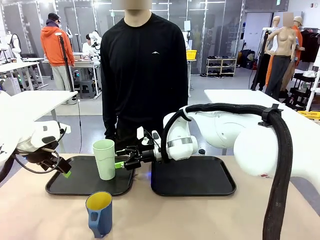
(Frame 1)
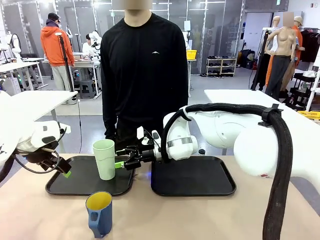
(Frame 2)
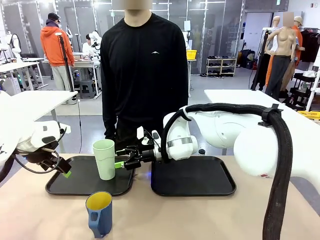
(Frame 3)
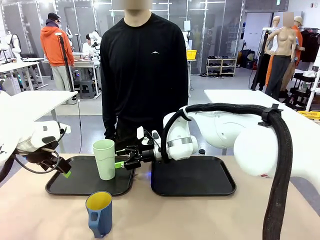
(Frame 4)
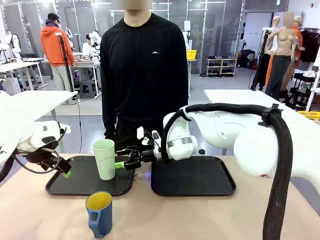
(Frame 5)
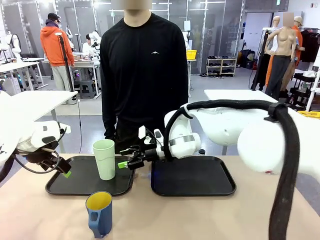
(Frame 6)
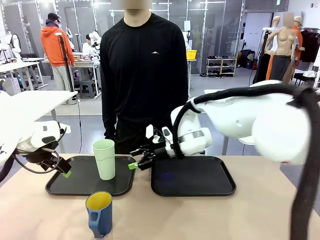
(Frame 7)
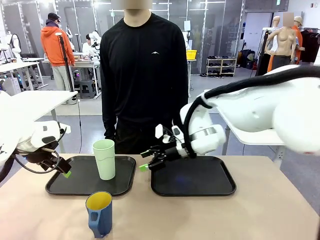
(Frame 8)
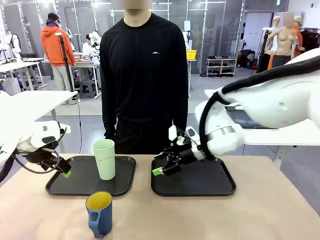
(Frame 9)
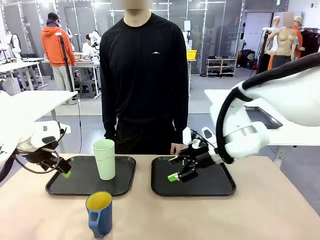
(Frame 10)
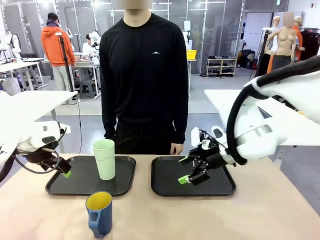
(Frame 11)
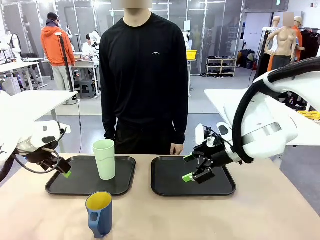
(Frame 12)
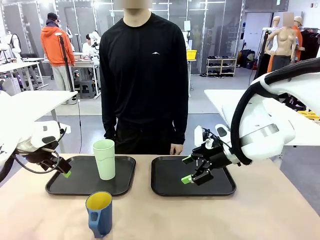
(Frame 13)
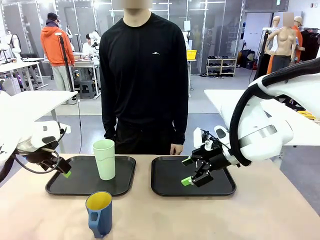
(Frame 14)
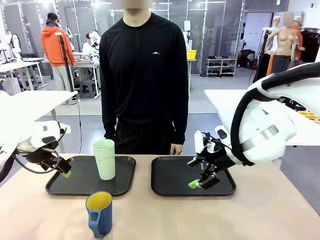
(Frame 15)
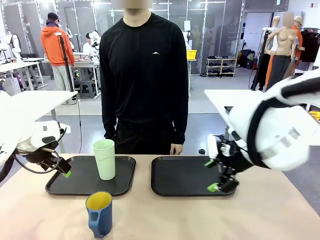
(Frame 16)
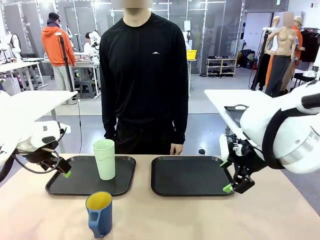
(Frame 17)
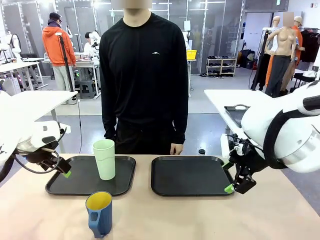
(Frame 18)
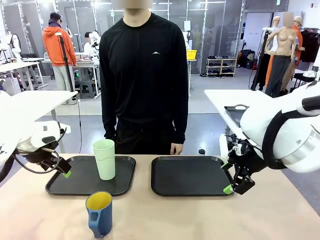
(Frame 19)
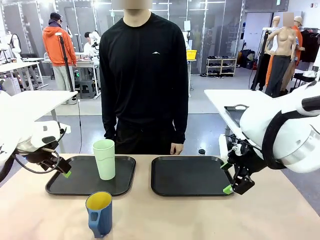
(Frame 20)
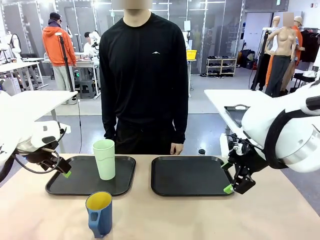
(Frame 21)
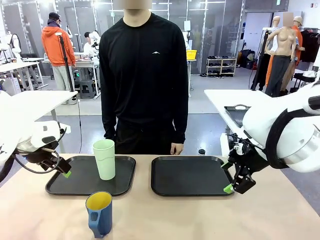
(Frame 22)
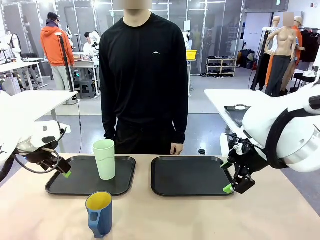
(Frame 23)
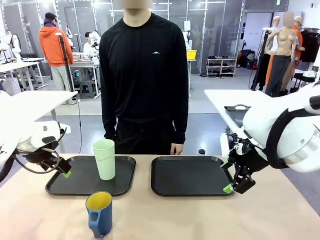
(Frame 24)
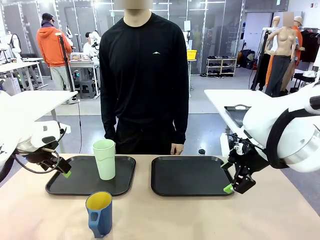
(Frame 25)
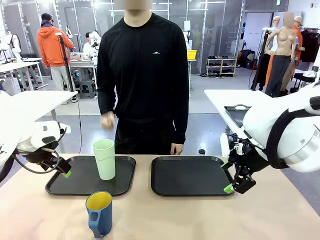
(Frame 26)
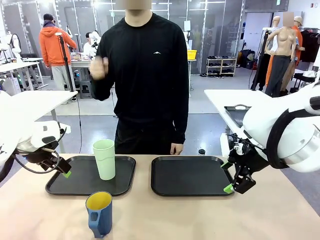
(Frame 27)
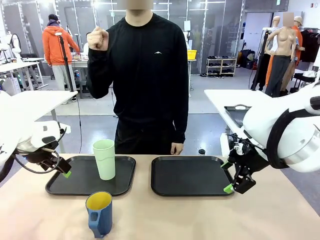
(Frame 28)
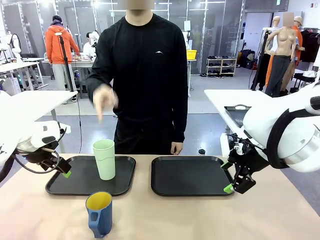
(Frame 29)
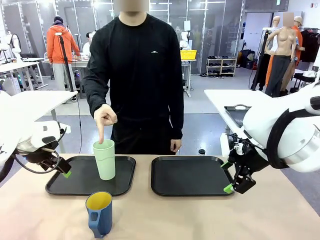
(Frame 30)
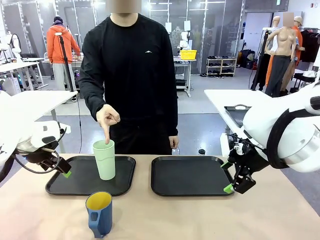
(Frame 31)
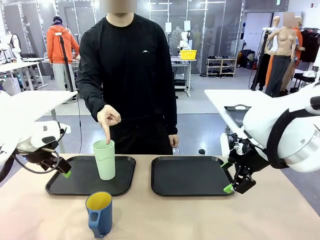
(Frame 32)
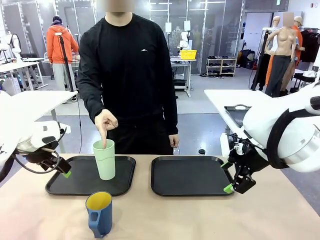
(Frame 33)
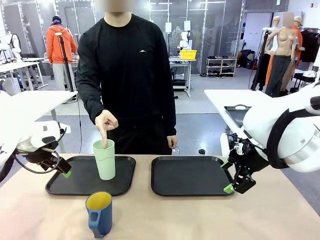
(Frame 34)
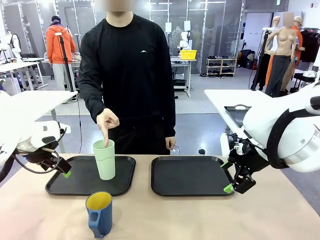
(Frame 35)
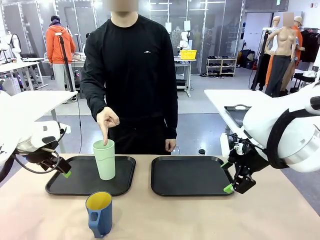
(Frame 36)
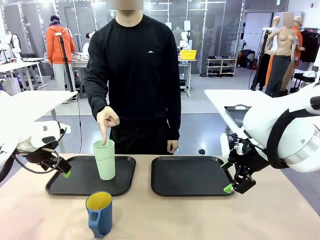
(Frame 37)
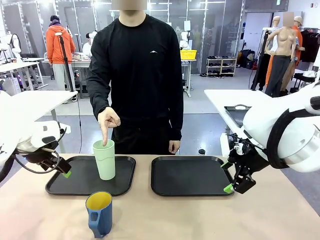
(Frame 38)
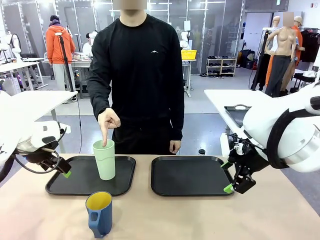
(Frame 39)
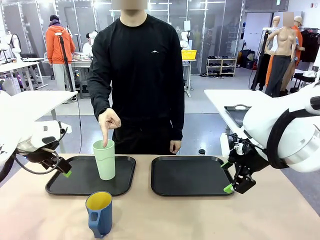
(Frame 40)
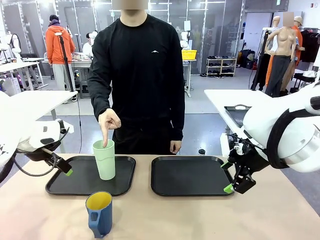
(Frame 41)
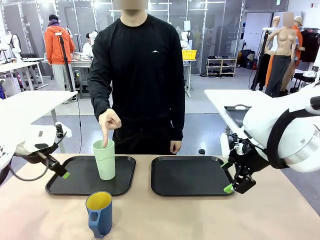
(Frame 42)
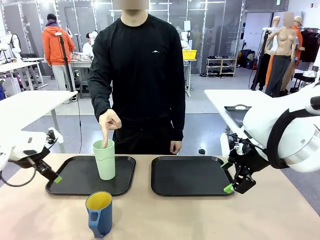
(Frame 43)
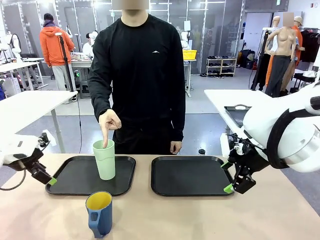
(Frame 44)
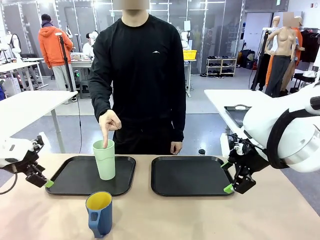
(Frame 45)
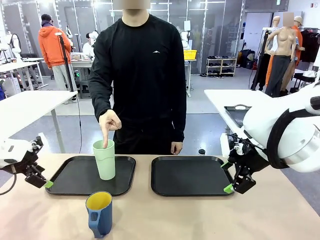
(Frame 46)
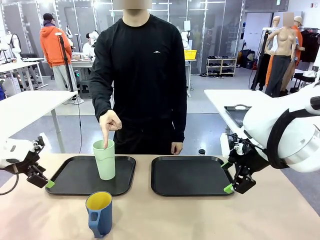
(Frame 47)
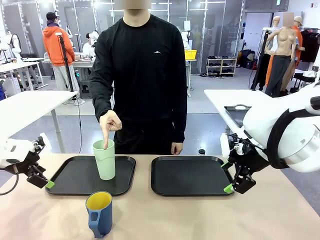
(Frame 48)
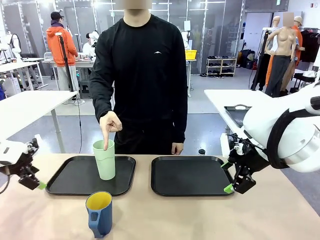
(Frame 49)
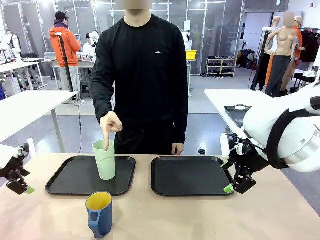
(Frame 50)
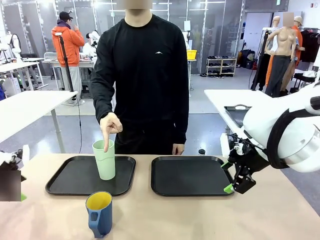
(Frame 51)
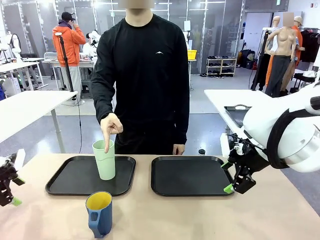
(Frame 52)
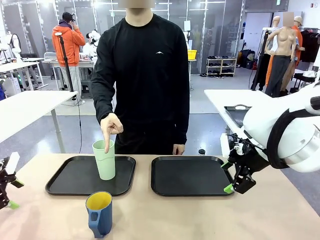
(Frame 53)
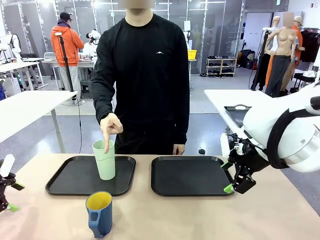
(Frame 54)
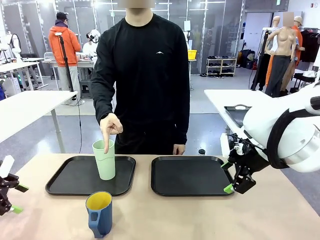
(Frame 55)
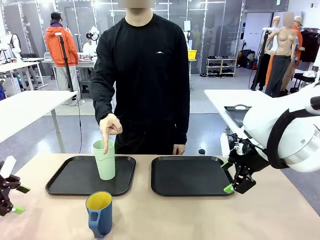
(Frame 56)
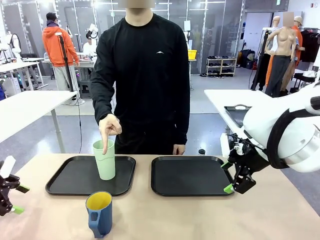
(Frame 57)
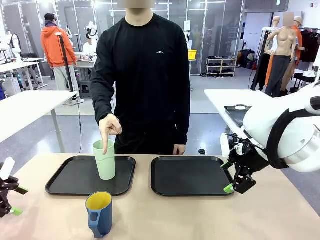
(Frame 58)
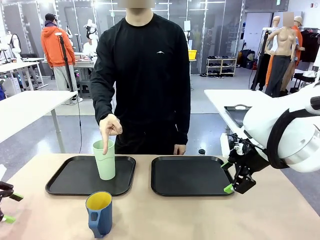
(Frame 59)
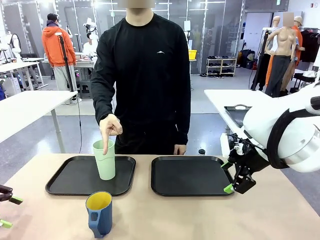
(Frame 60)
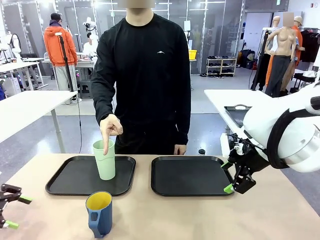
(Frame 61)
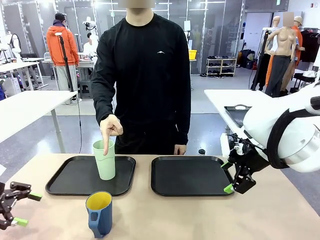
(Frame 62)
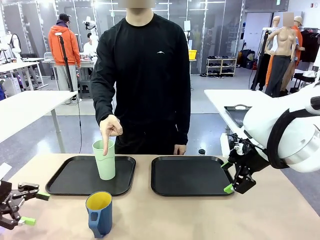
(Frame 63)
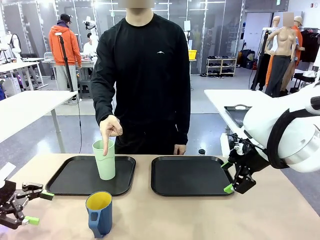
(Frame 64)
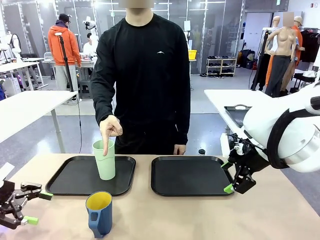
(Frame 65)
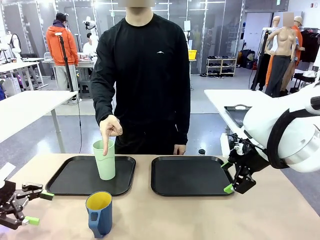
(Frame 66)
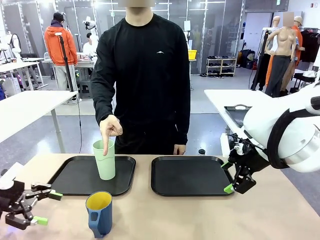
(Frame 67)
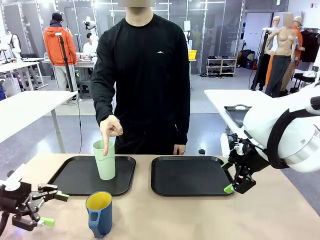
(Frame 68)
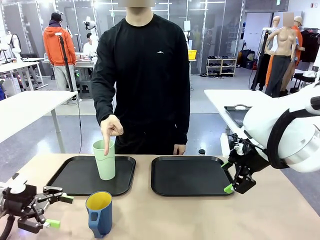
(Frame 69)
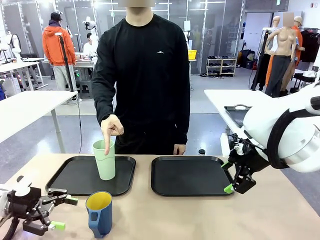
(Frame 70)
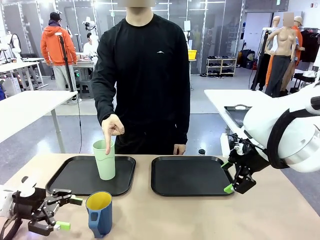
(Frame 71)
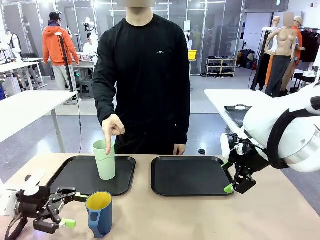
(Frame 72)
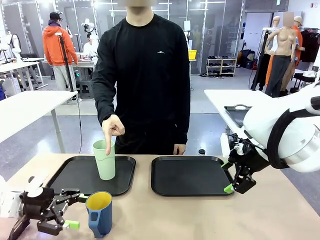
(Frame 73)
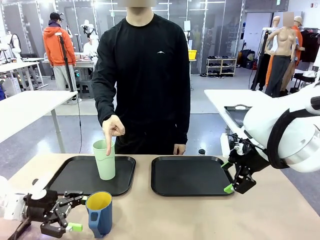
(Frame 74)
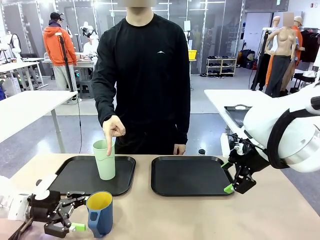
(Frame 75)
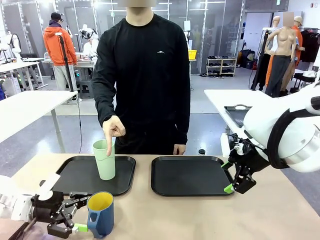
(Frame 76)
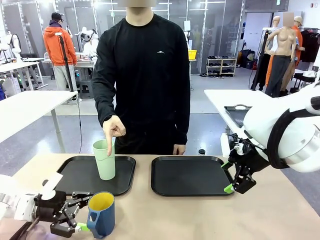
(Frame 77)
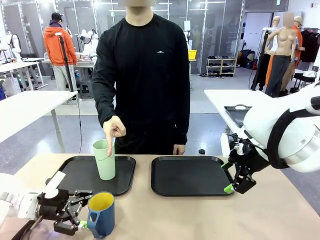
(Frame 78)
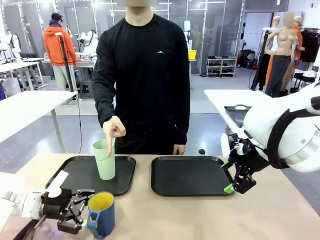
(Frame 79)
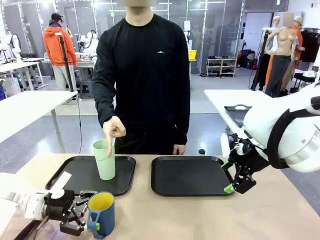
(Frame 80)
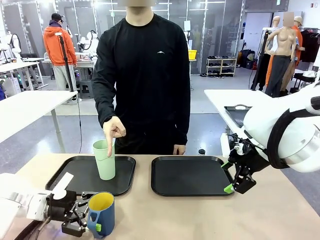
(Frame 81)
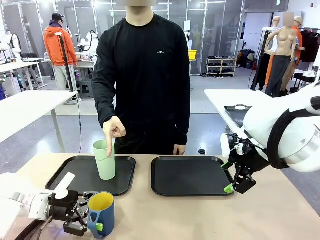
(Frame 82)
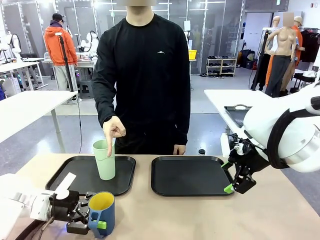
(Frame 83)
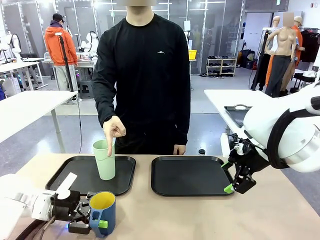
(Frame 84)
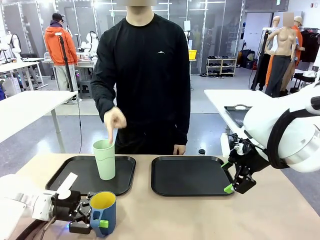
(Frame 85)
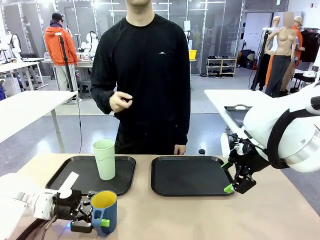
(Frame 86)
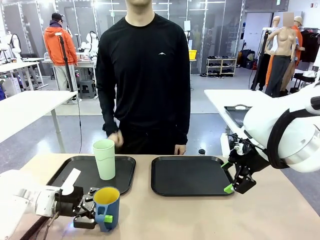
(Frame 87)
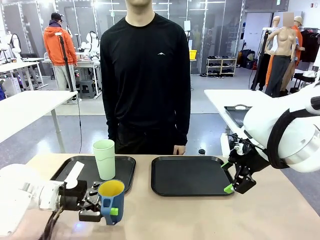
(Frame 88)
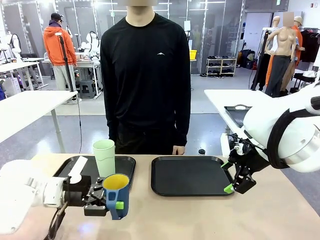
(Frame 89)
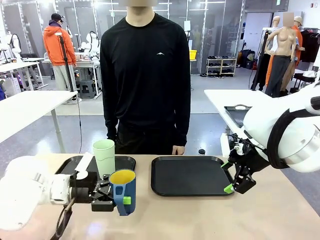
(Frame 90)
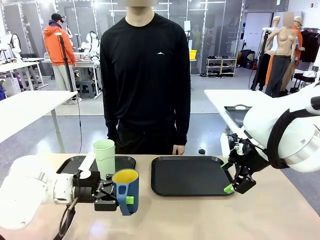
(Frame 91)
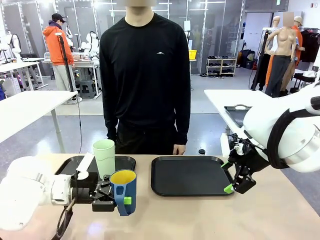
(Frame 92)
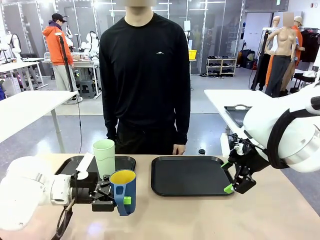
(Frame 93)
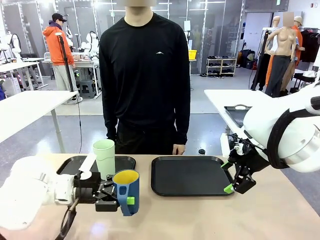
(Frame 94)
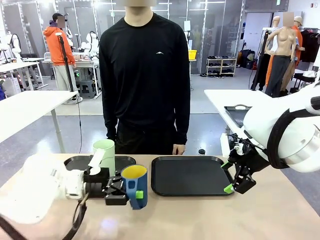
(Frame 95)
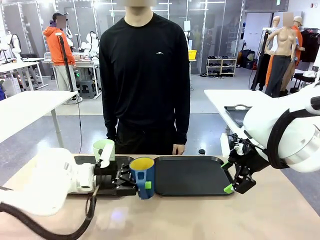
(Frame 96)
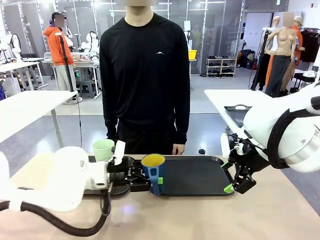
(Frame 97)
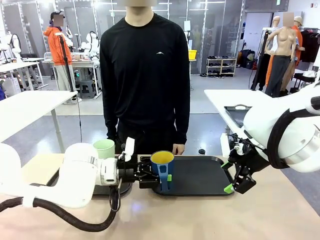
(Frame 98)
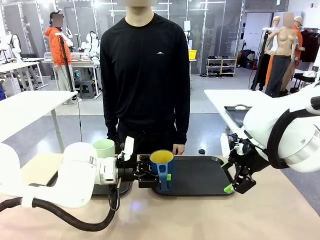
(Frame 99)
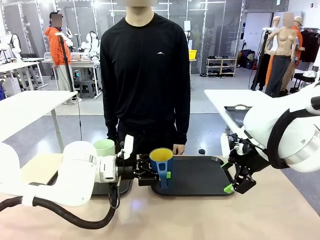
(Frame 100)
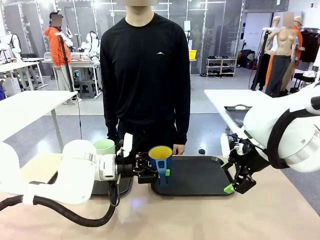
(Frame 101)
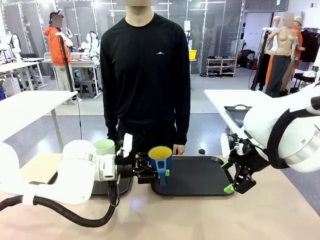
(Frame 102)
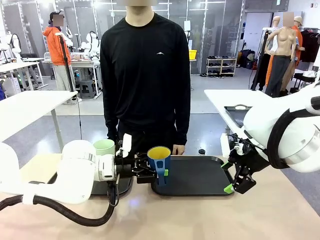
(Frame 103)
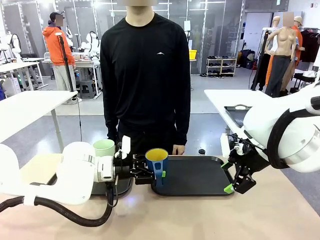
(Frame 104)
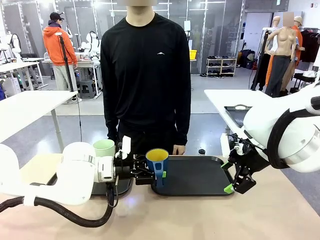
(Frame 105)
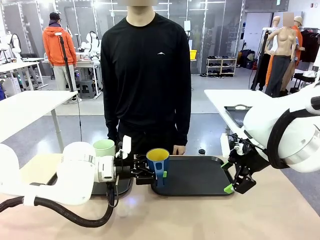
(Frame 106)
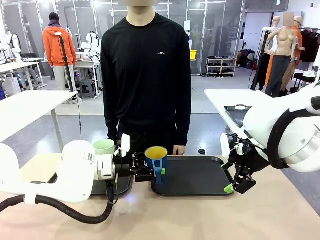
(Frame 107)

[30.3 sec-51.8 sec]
Task: Sort and store the cups by type.
Robot: Pick up the Handle plastic cup and place it into the empty Flat Tray.
